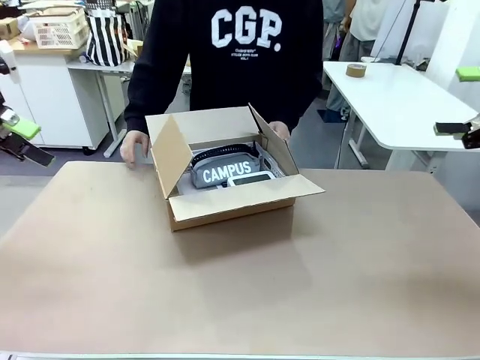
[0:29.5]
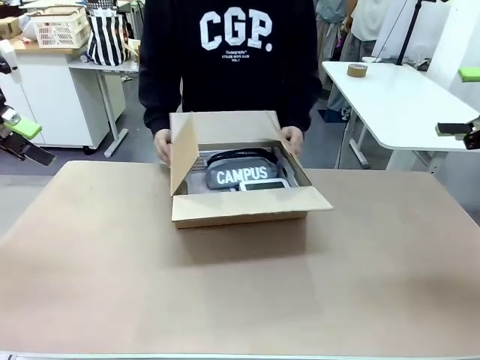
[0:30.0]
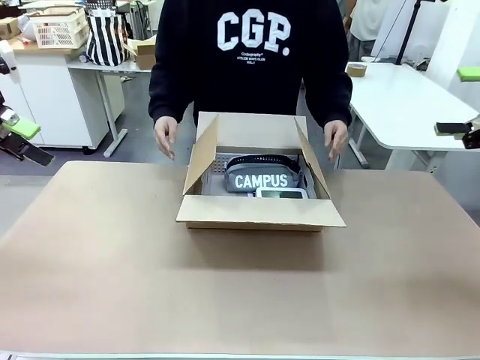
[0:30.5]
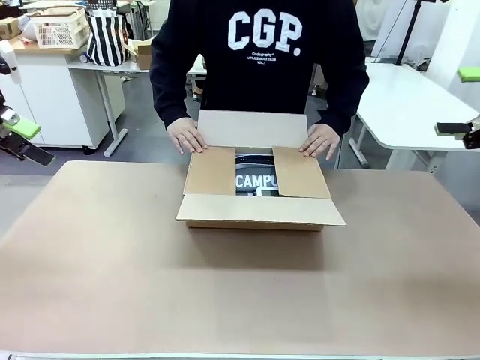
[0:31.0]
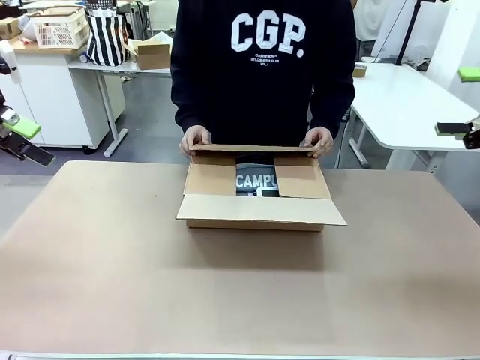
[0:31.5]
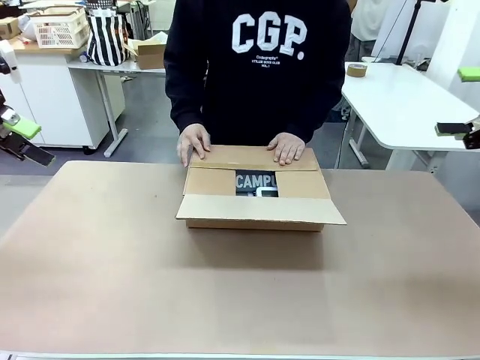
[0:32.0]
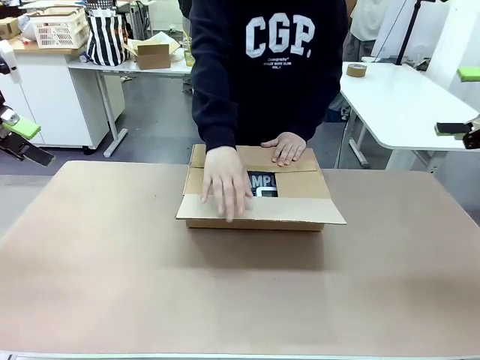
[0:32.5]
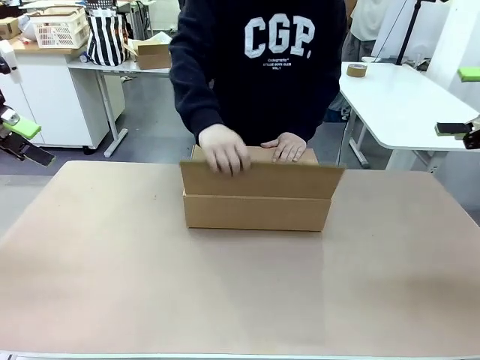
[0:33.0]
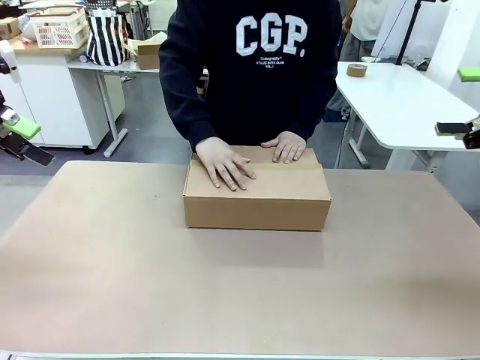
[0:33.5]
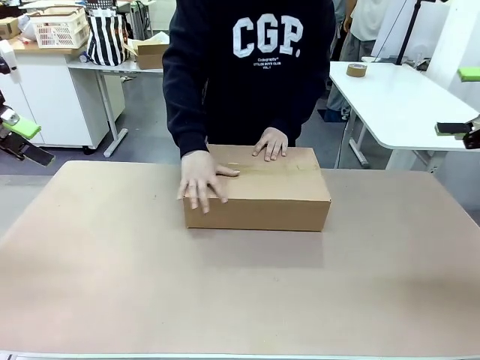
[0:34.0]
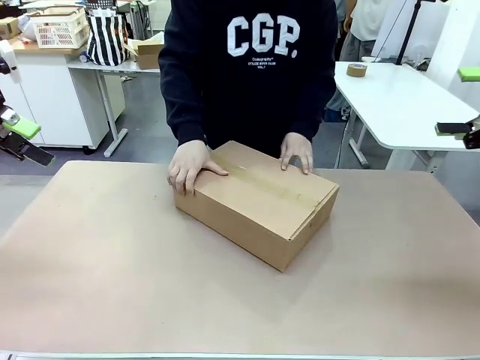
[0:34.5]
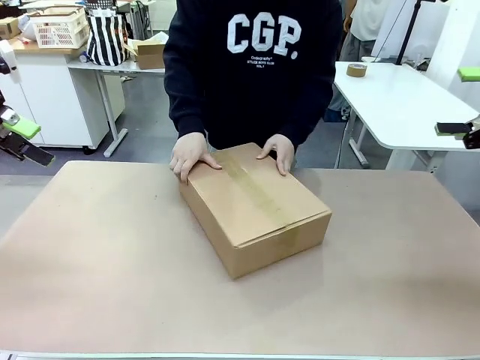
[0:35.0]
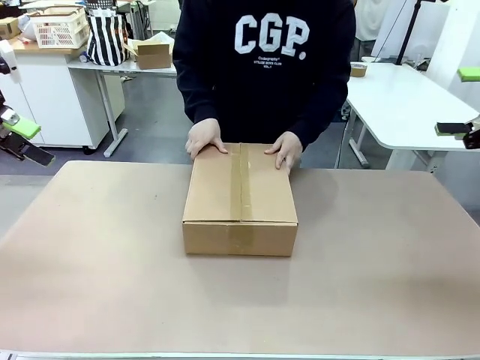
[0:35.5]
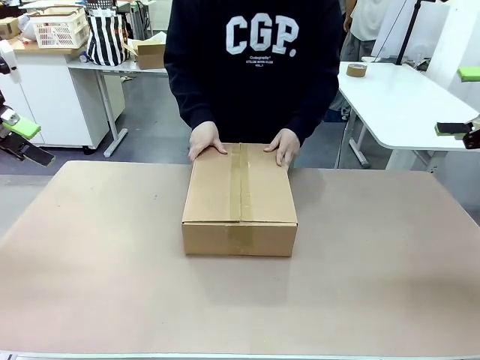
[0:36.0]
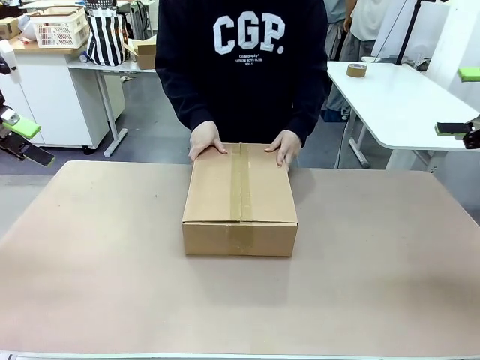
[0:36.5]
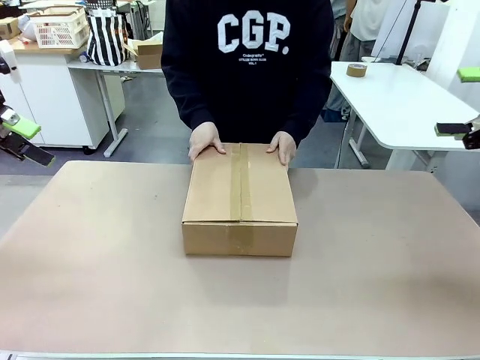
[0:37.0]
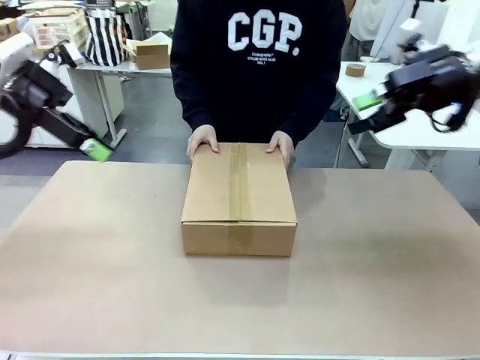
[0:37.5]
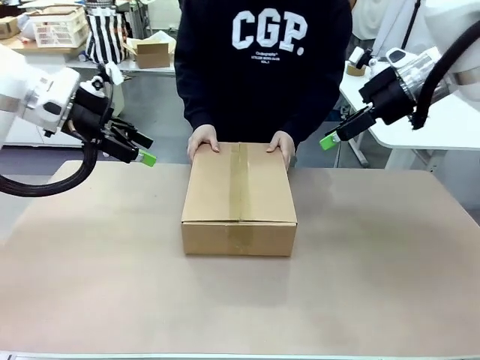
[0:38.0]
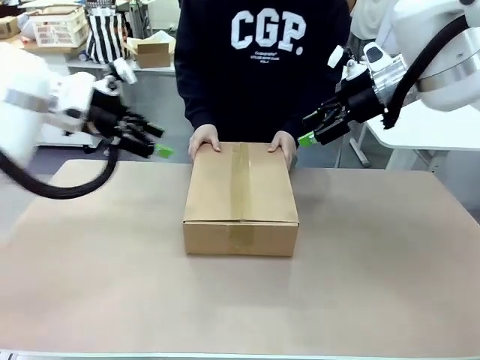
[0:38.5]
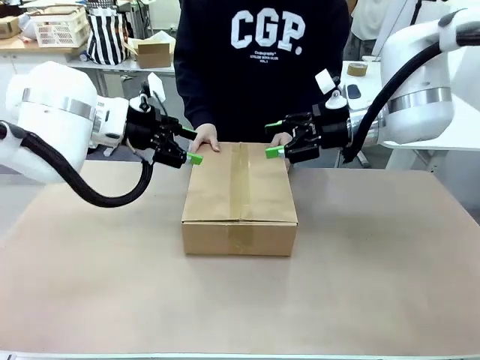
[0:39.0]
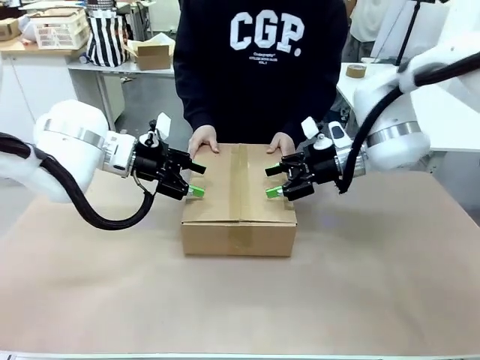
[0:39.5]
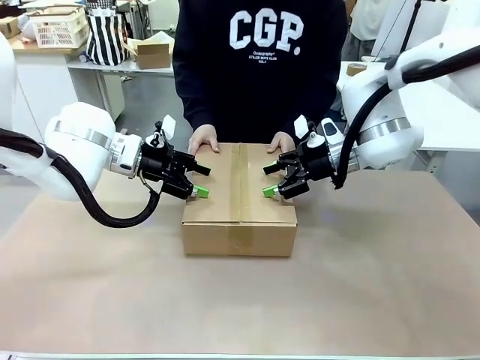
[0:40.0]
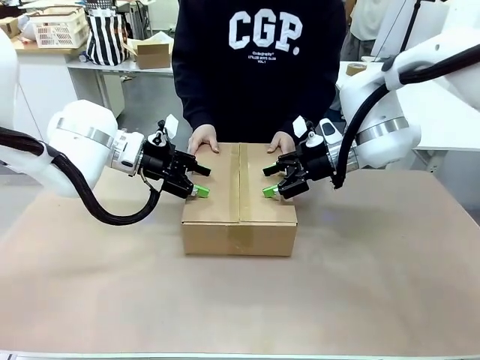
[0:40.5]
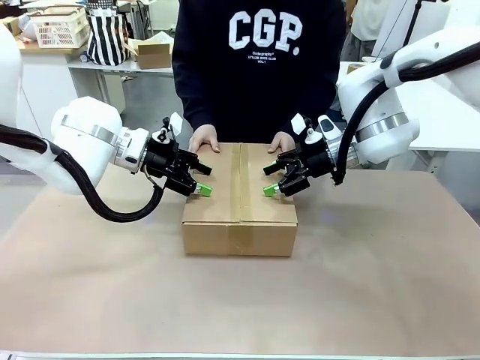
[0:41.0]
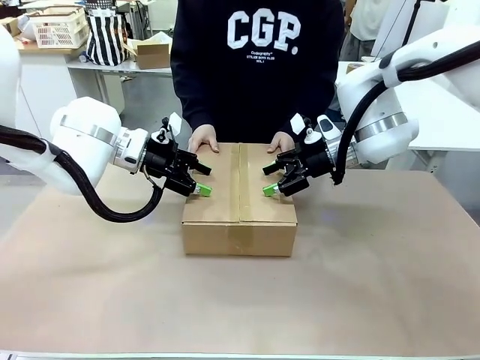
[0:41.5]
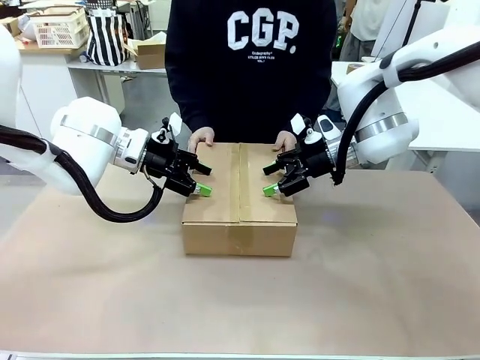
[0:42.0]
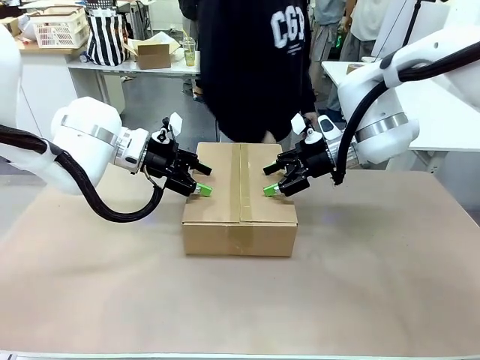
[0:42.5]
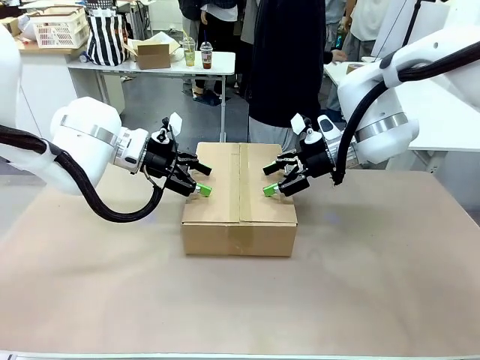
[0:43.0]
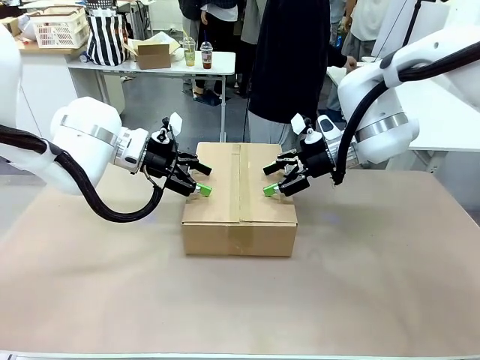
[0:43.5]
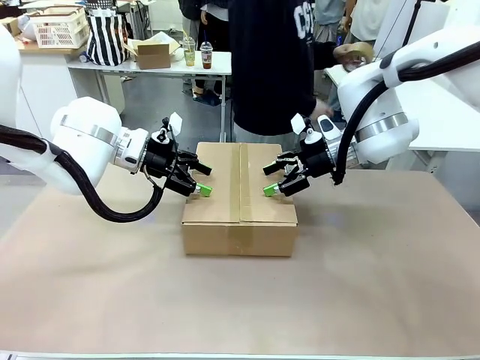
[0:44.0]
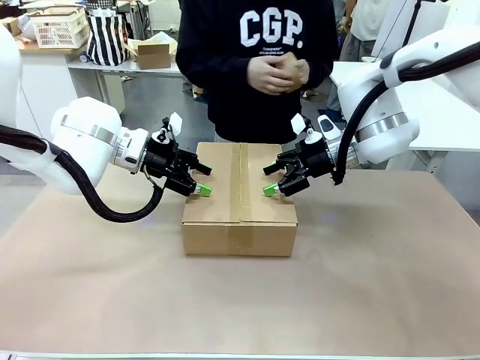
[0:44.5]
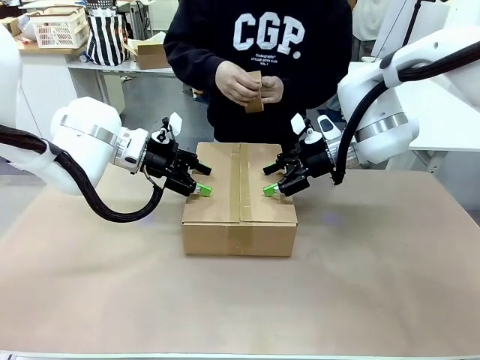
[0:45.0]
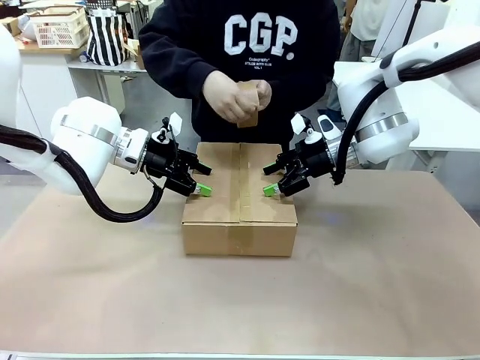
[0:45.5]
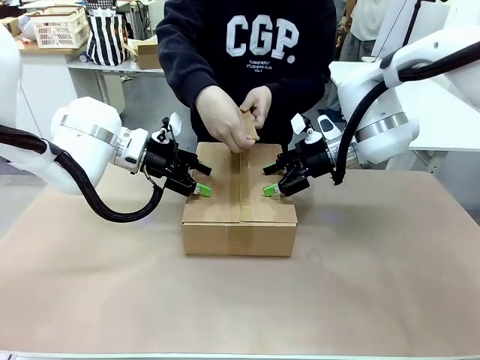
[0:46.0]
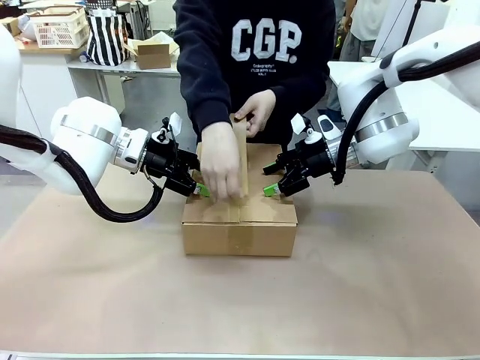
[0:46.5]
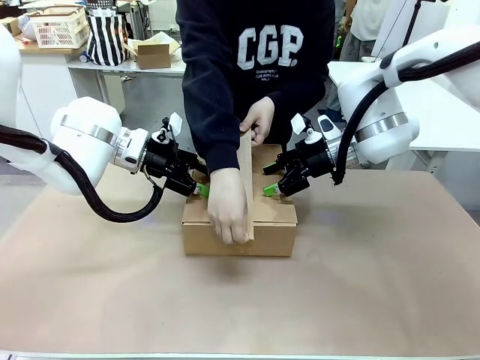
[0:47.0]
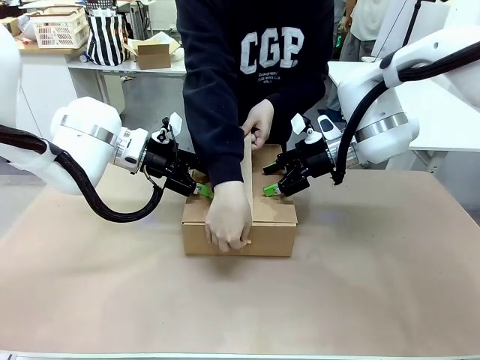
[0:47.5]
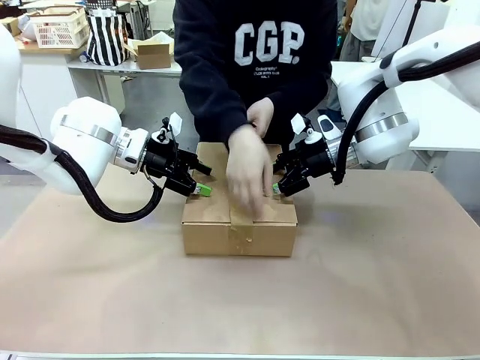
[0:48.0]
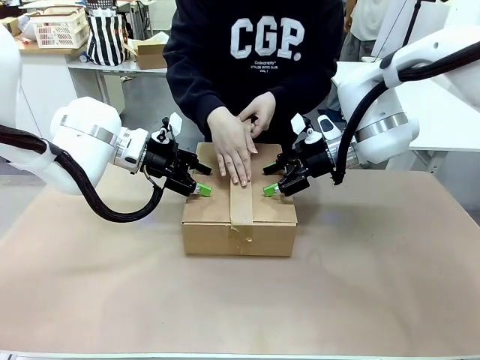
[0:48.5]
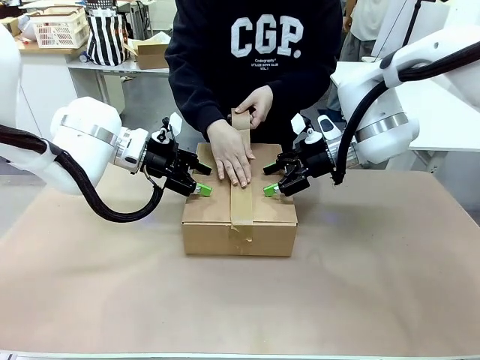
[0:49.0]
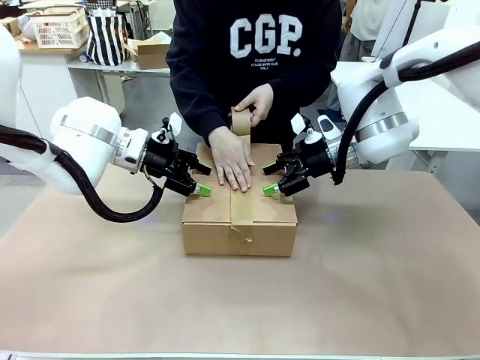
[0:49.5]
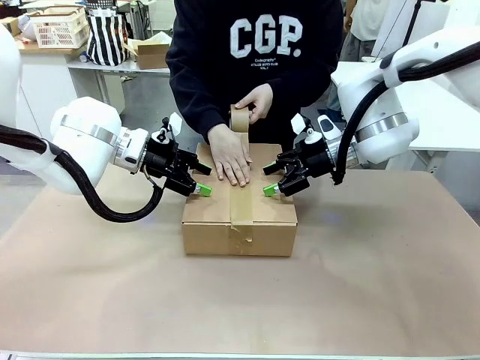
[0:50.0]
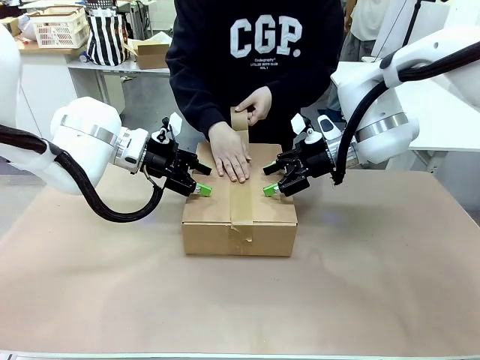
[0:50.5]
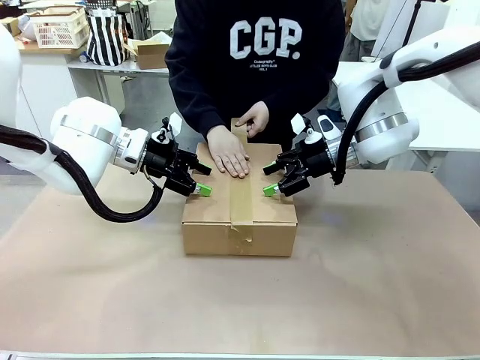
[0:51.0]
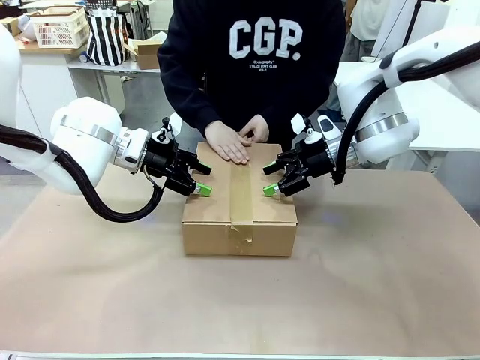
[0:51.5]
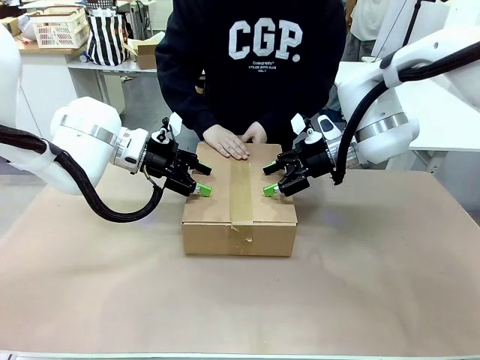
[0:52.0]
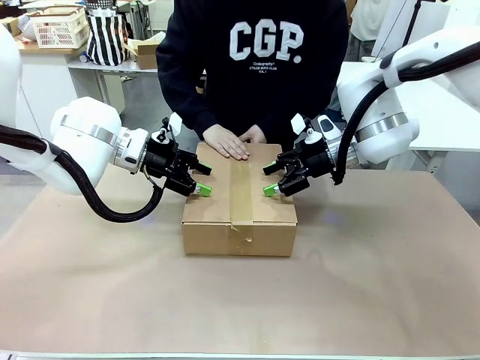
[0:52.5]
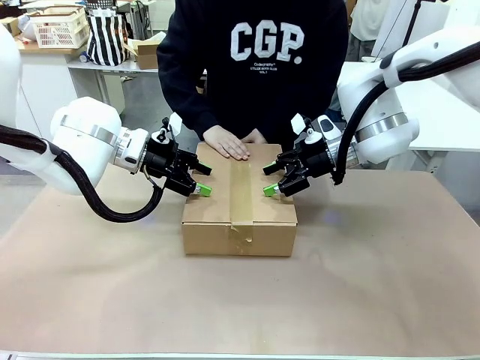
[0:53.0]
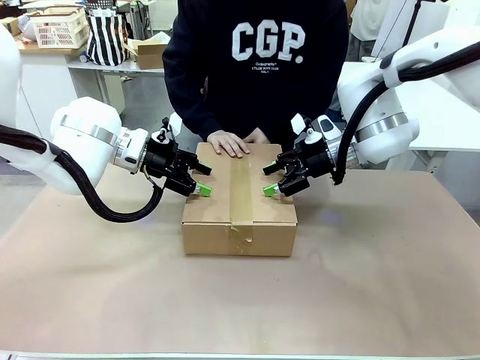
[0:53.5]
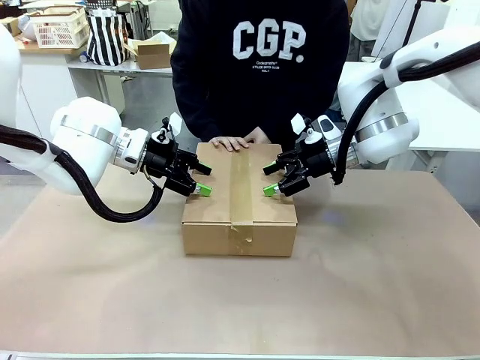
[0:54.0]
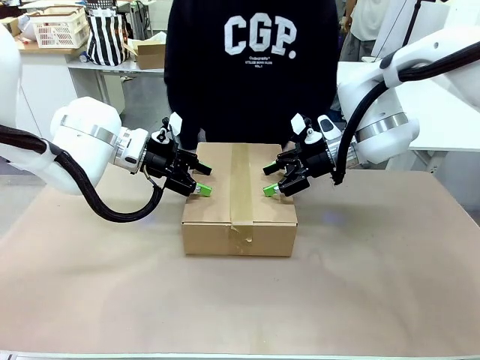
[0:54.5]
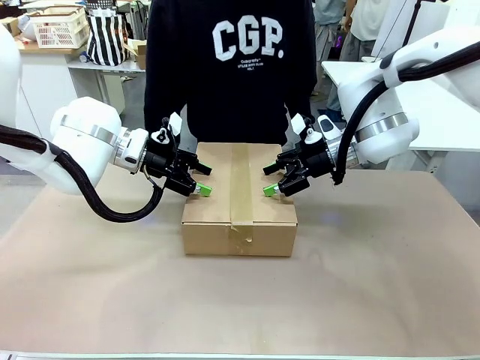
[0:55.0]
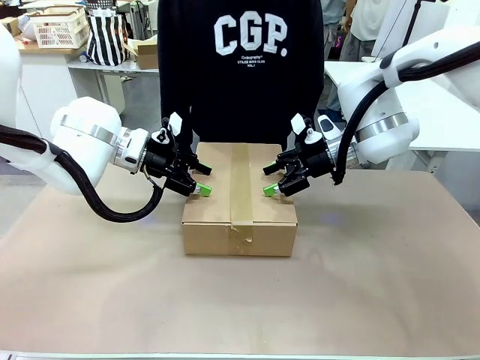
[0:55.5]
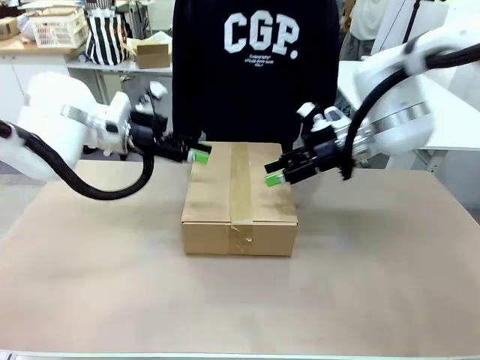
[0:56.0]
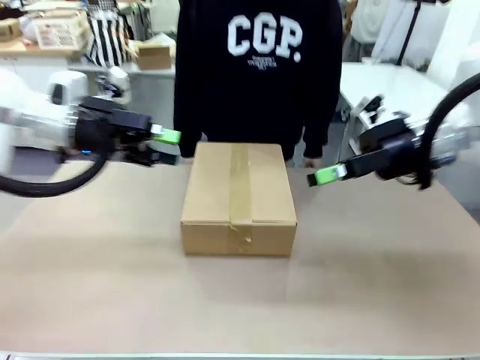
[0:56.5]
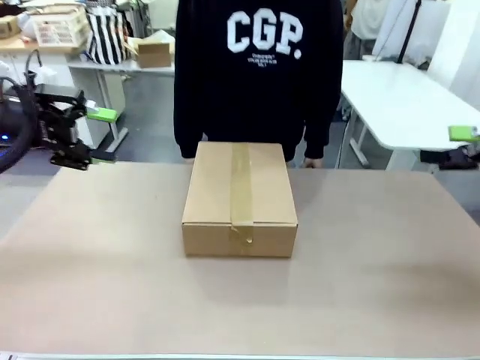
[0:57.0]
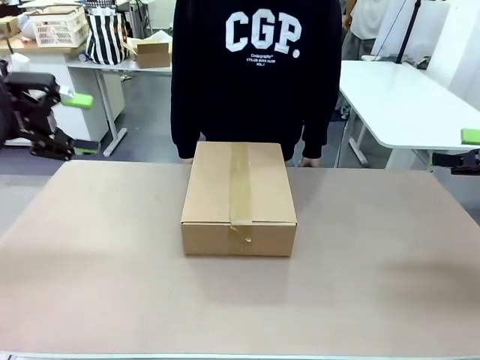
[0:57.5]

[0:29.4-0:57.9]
Task: Pack the gift set into the box.
Robot: Press and hold the closed box until the human finishes sealing it.
Person: The human closes the box and rotates the box by 90 degrees. The human picks up the paper tape from the human table and packs the box.
